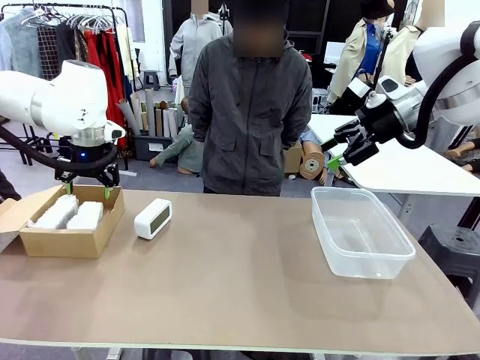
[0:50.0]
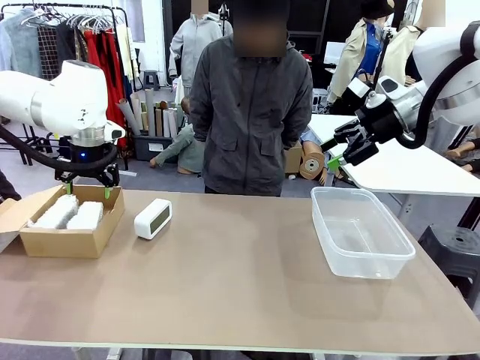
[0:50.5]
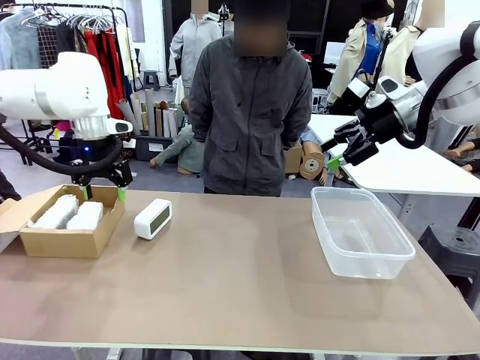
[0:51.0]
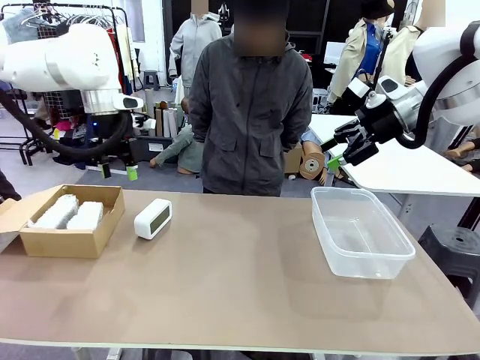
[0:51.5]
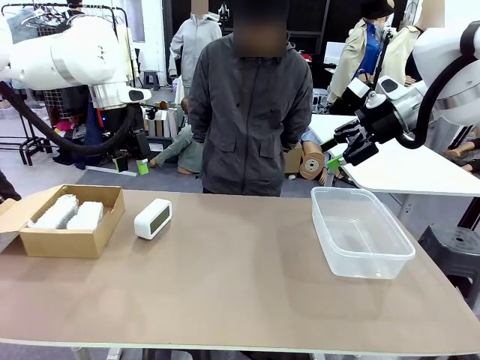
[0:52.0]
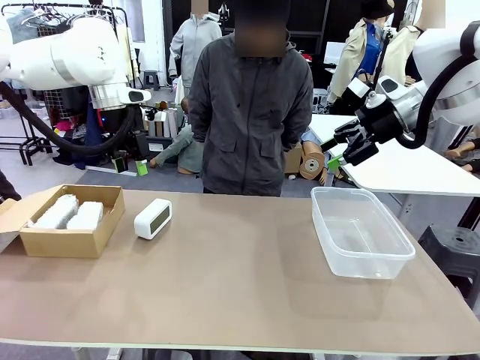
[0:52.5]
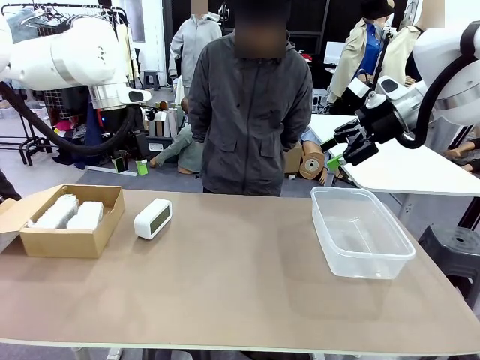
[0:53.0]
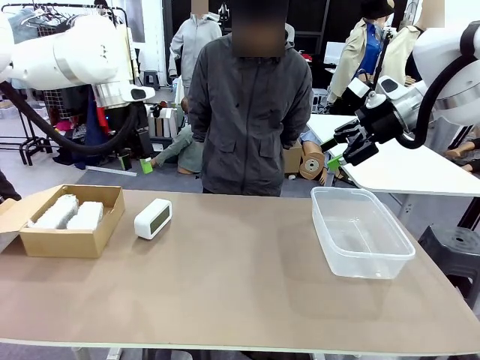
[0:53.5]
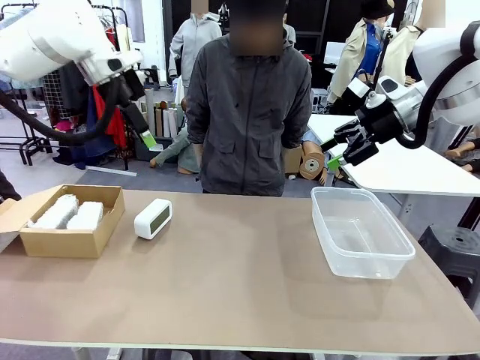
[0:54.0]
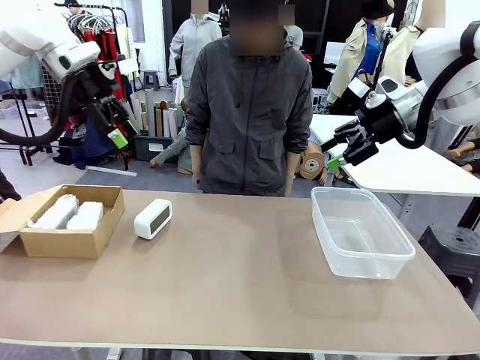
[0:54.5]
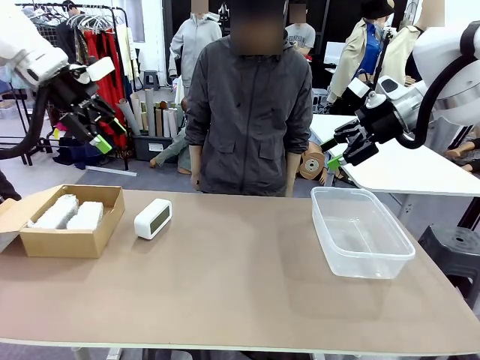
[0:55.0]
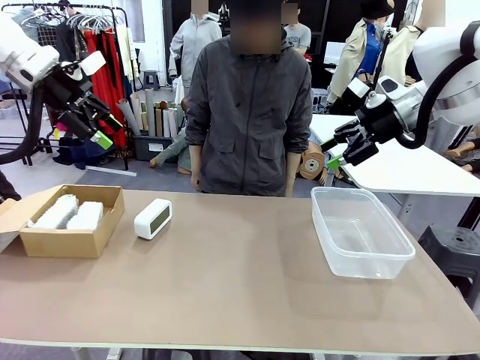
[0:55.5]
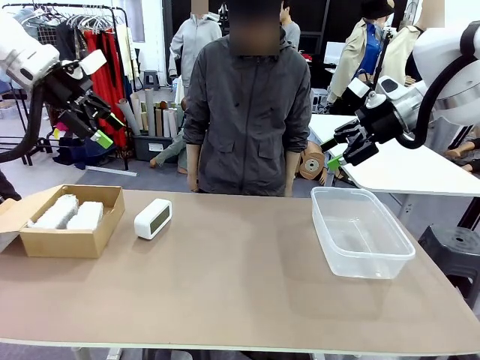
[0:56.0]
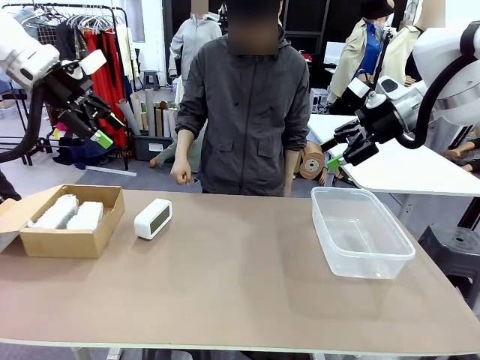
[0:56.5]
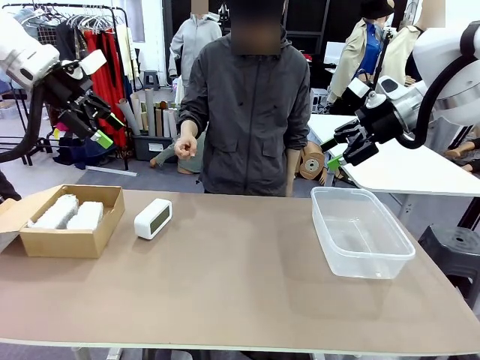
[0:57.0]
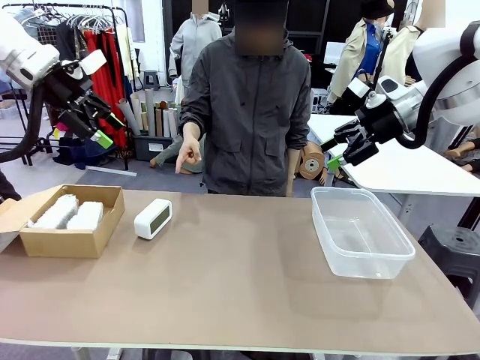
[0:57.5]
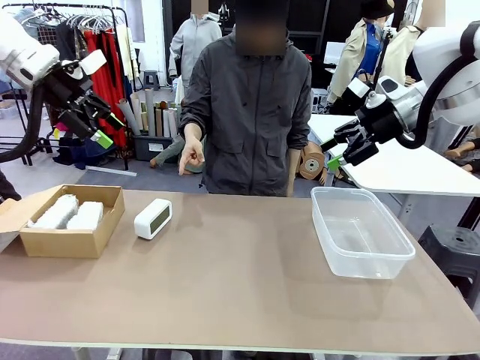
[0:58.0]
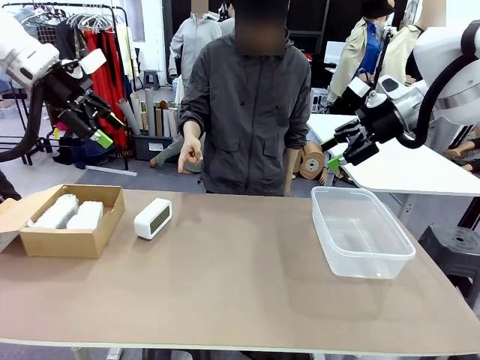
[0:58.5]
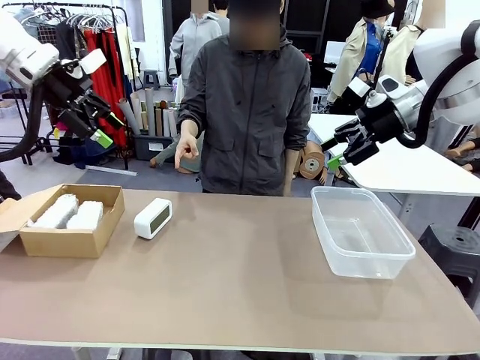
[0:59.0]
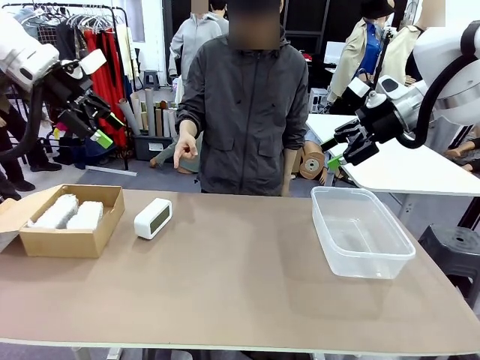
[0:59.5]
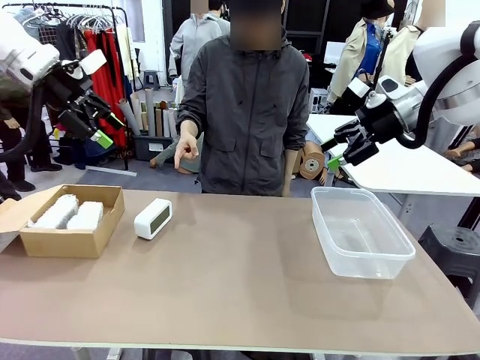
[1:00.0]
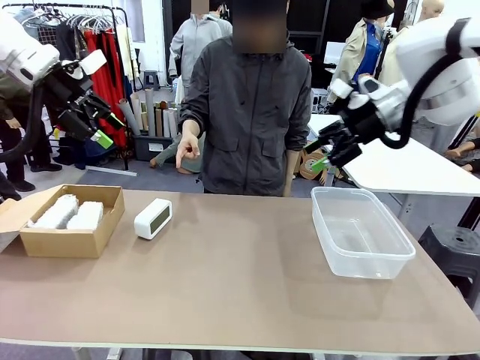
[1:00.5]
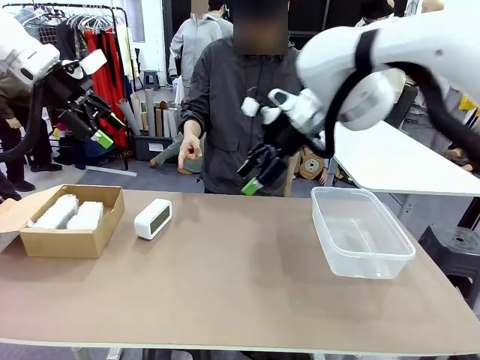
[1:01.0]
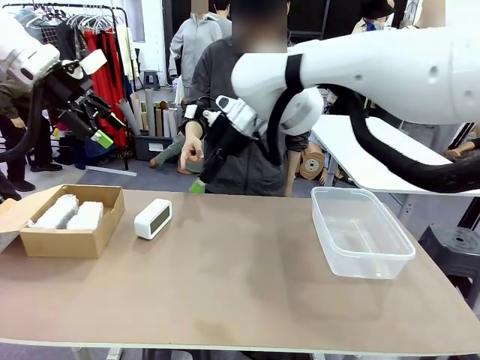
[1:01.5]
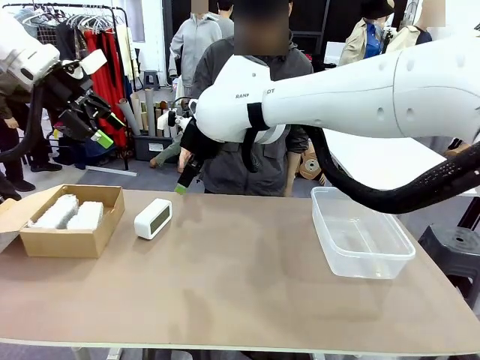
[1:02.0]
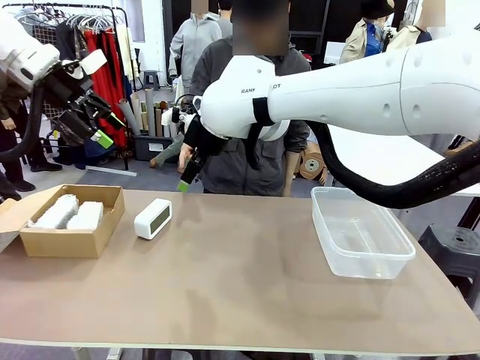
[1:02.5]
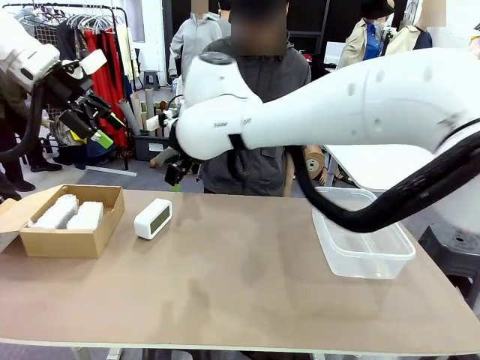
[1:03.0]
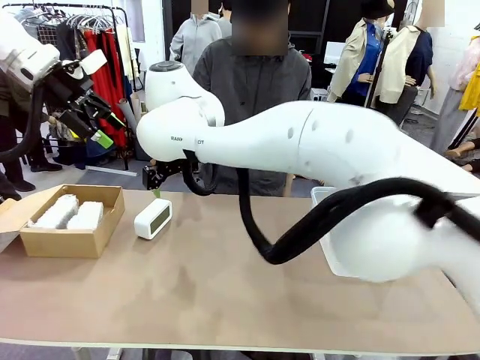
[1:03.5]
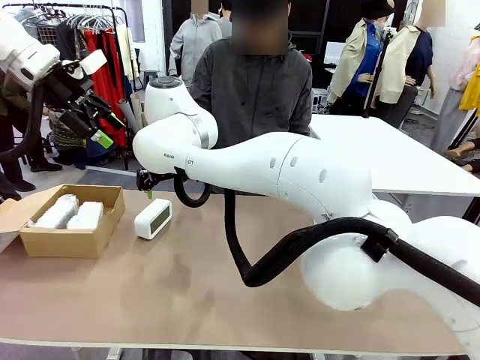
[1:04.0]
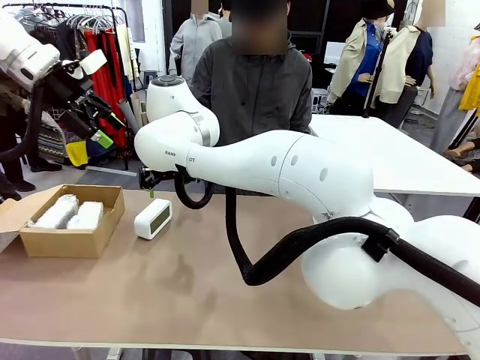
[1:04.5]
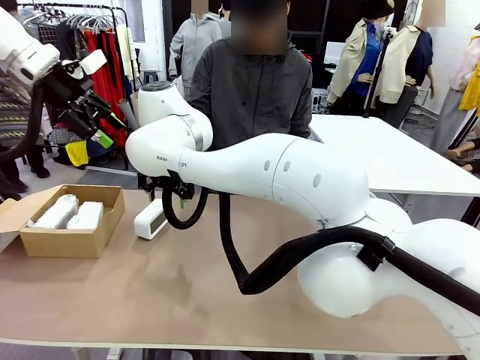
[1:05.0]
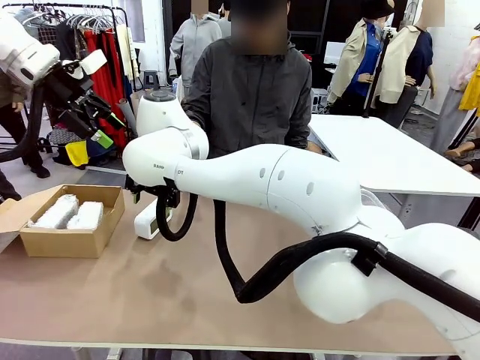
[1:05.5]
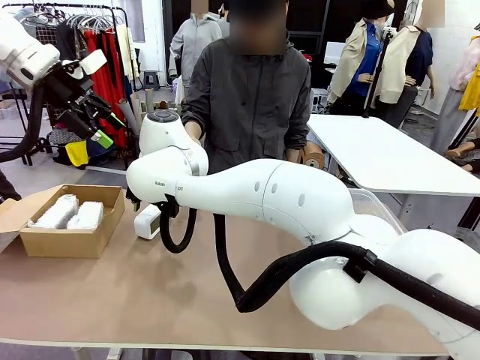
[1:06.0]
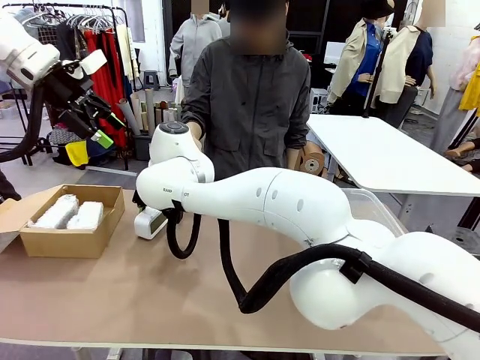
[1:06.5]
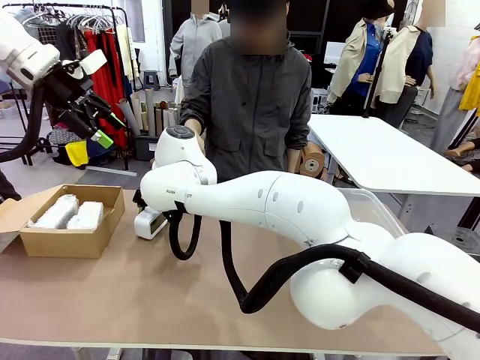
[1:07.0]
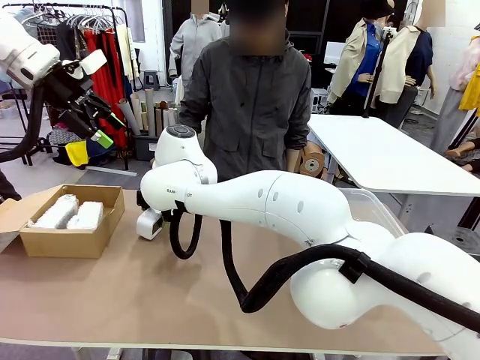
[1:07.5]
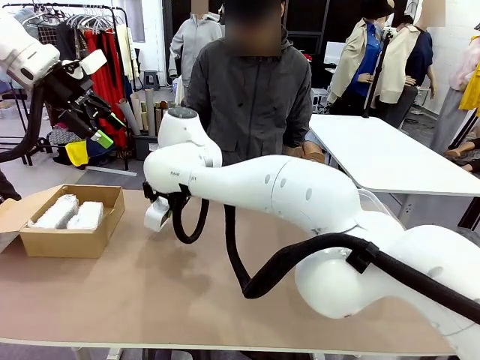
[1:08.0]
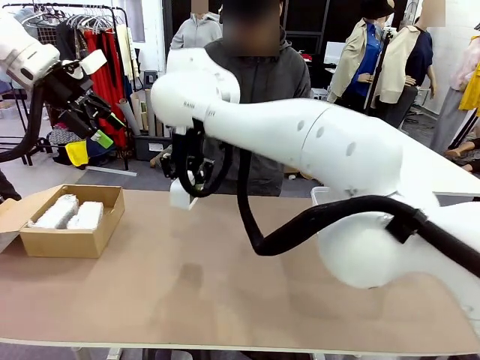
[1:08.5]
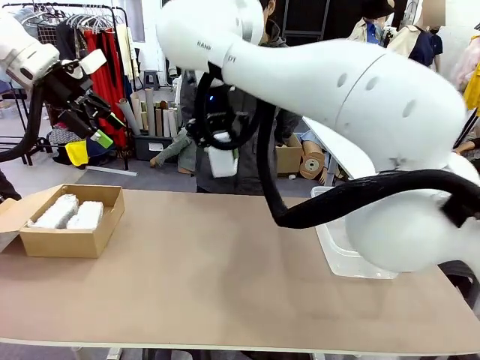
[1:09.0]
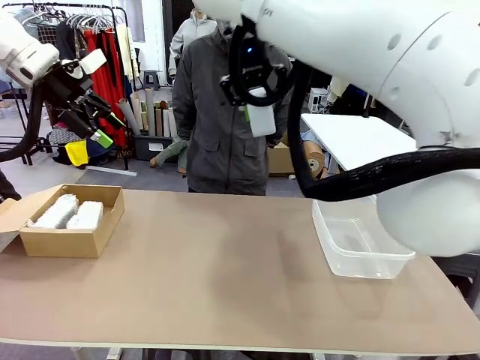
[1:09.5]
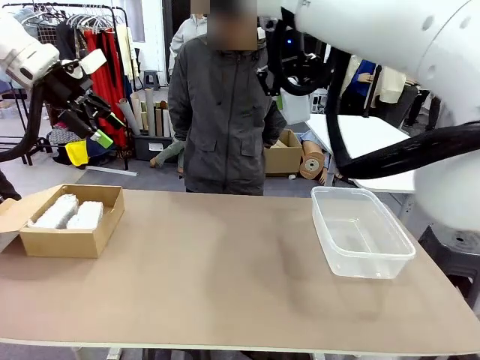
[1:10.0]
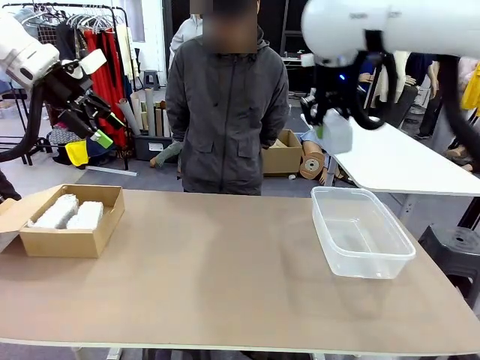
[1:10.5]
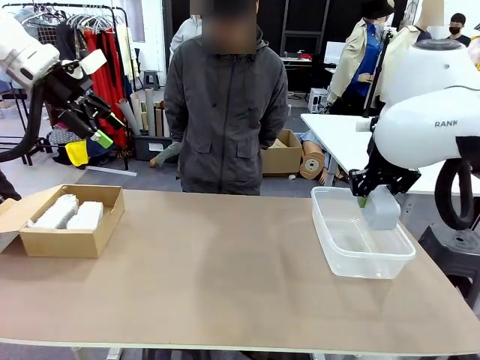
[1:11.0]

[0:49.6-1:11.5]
Task: Separate and place wrapped and unwrapped clocks.
Robot: Pick up the Digital clock indicated by the person.
